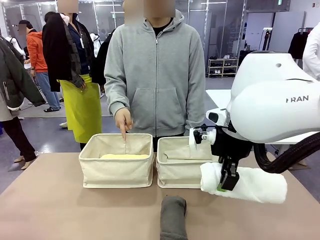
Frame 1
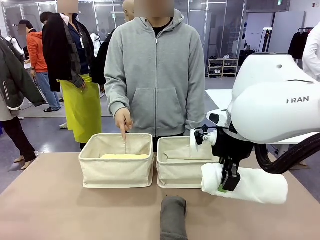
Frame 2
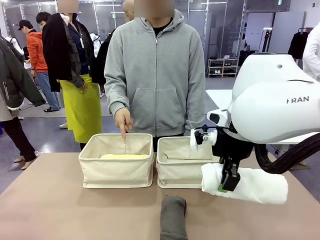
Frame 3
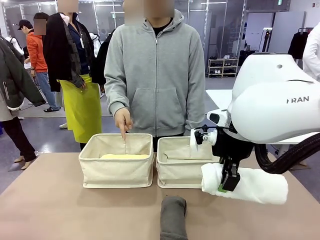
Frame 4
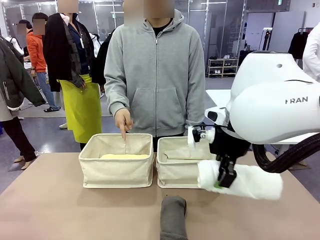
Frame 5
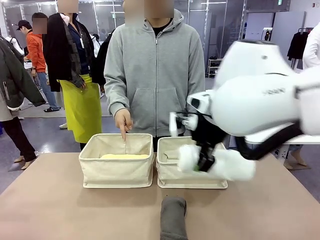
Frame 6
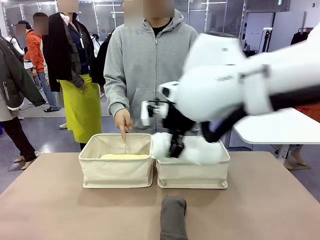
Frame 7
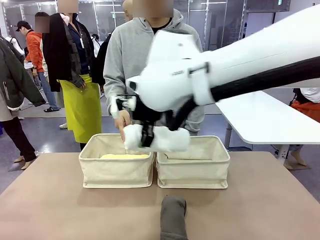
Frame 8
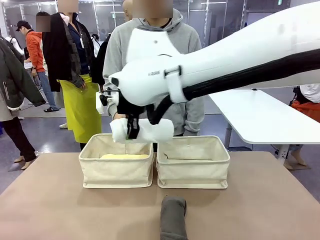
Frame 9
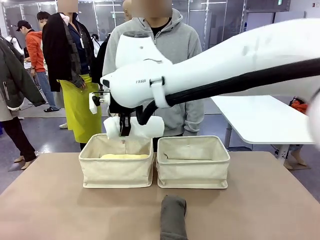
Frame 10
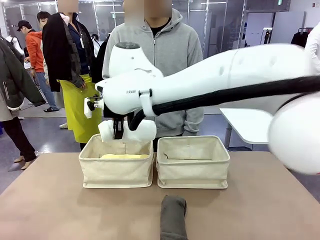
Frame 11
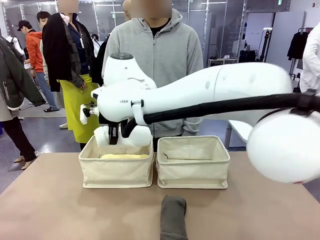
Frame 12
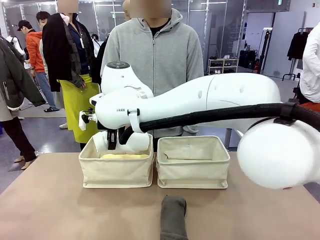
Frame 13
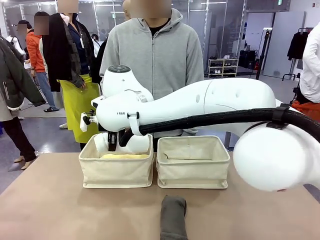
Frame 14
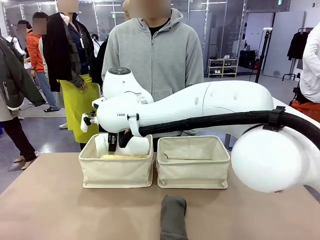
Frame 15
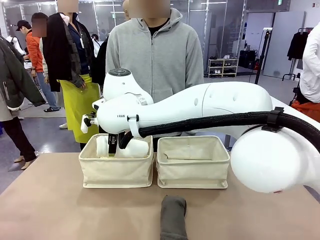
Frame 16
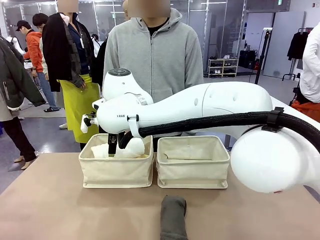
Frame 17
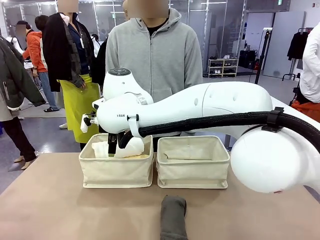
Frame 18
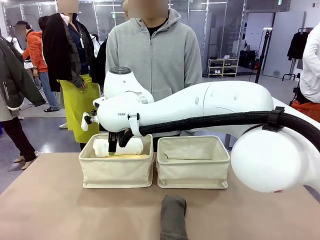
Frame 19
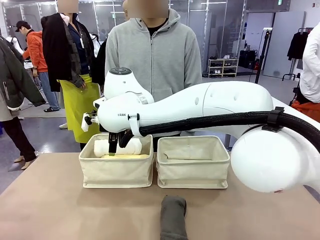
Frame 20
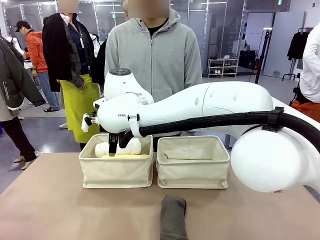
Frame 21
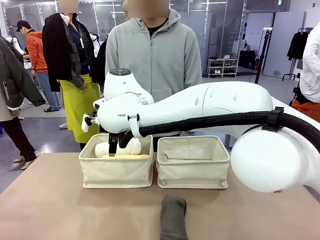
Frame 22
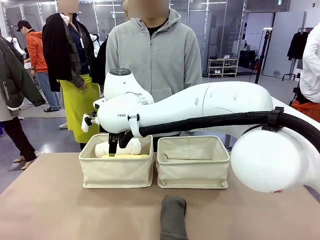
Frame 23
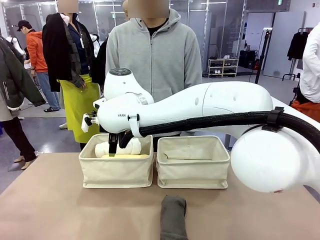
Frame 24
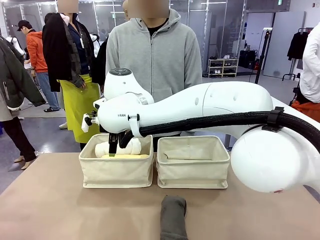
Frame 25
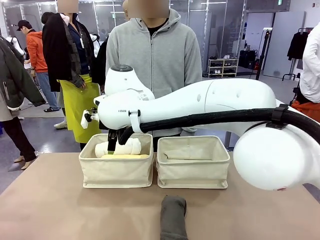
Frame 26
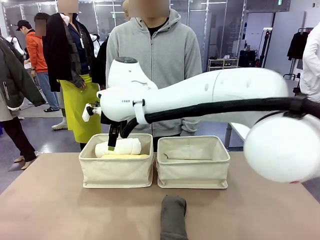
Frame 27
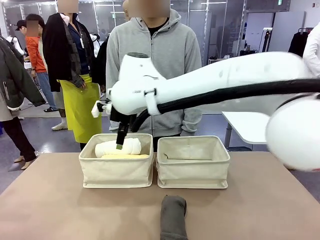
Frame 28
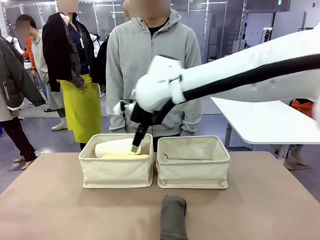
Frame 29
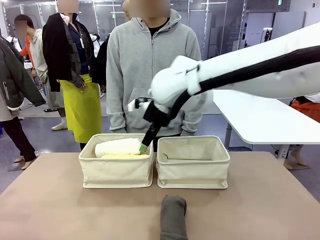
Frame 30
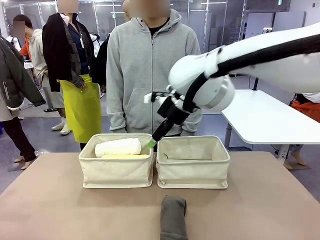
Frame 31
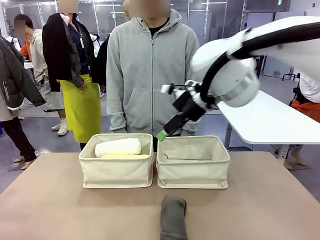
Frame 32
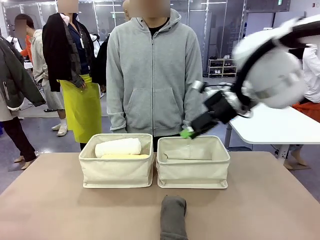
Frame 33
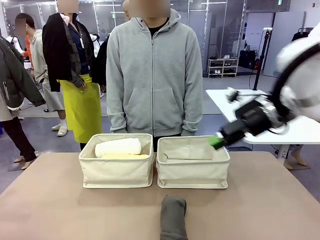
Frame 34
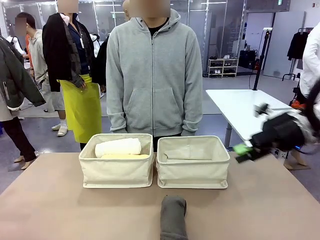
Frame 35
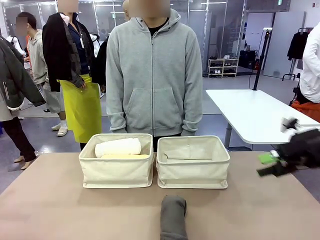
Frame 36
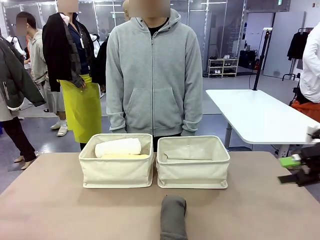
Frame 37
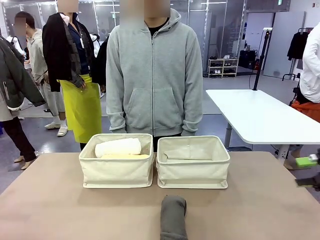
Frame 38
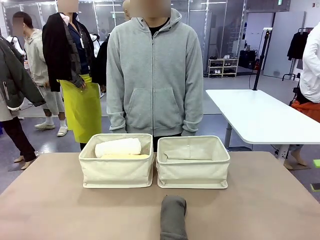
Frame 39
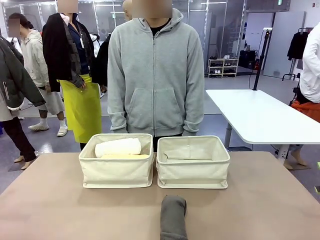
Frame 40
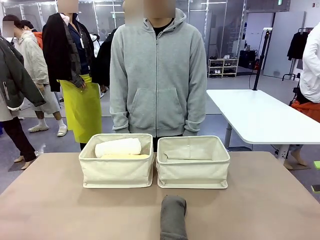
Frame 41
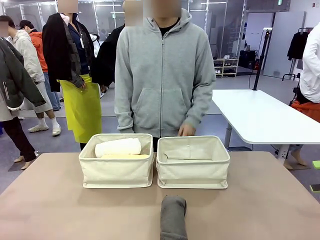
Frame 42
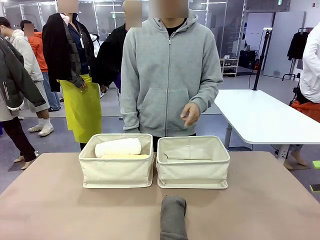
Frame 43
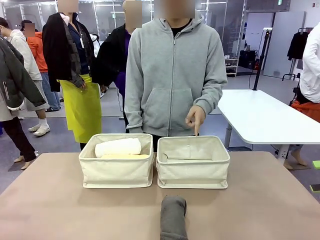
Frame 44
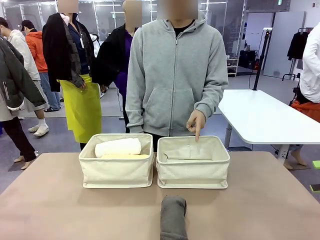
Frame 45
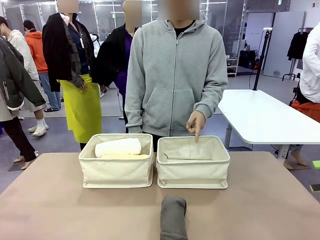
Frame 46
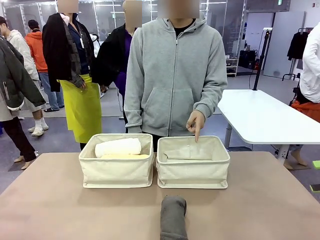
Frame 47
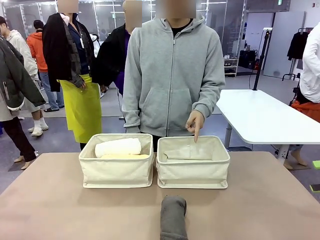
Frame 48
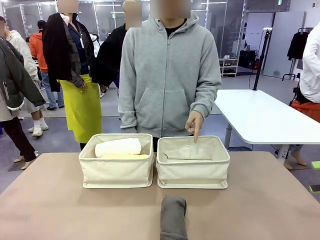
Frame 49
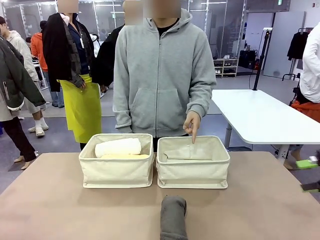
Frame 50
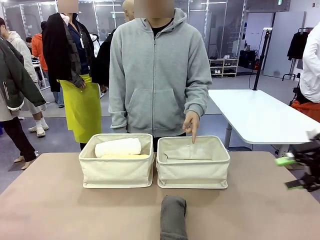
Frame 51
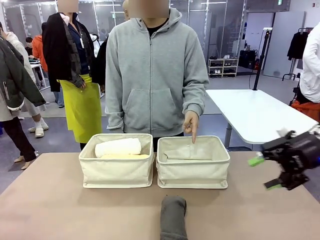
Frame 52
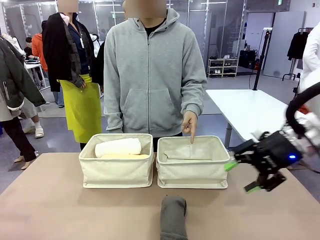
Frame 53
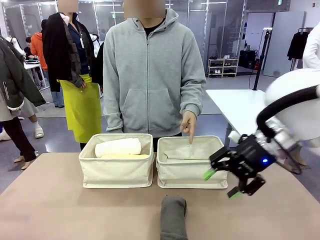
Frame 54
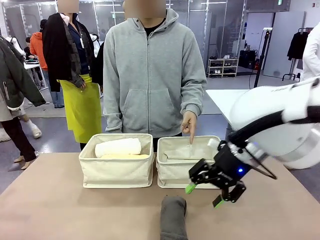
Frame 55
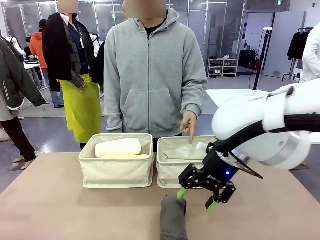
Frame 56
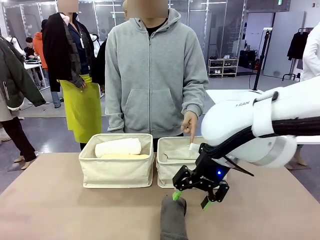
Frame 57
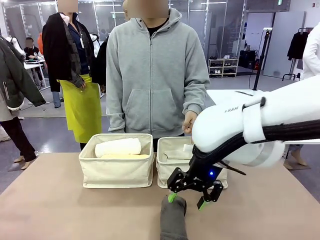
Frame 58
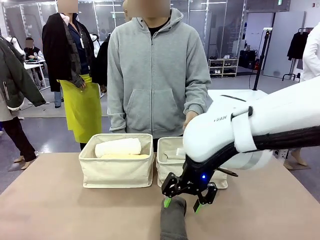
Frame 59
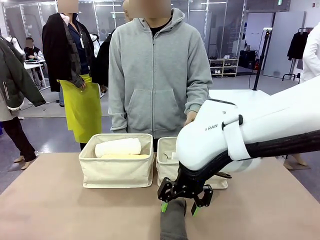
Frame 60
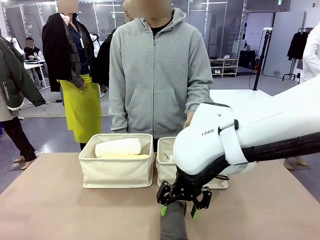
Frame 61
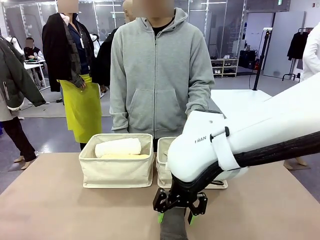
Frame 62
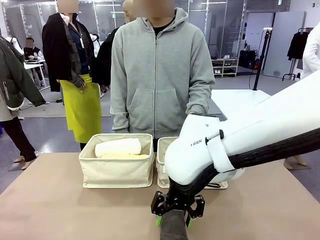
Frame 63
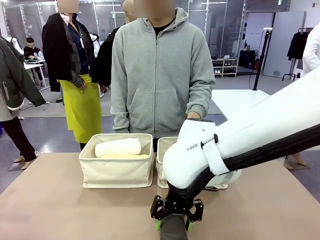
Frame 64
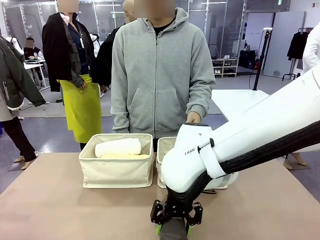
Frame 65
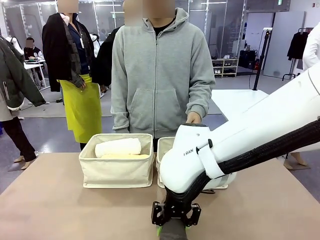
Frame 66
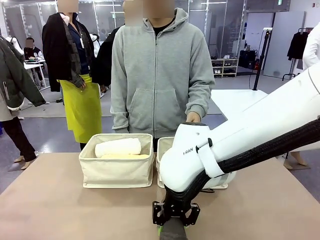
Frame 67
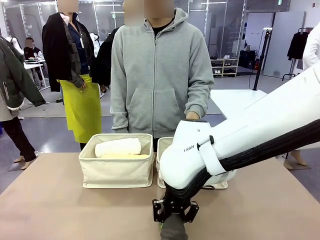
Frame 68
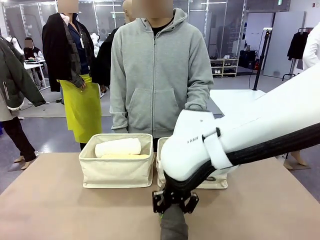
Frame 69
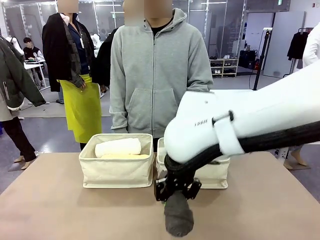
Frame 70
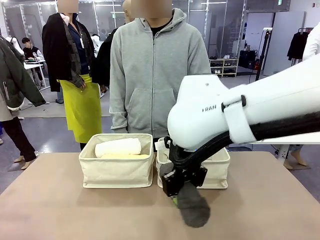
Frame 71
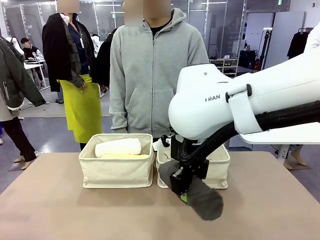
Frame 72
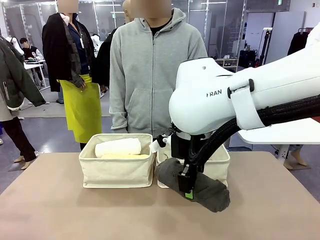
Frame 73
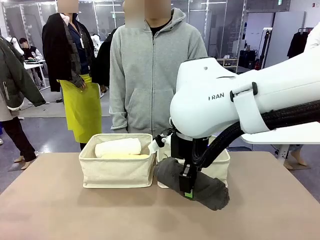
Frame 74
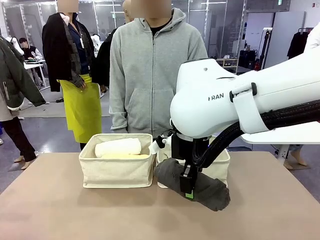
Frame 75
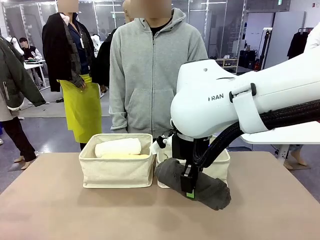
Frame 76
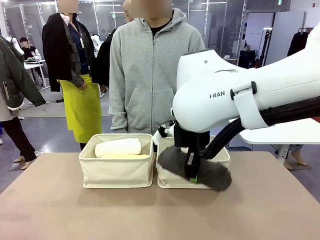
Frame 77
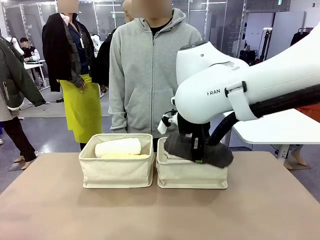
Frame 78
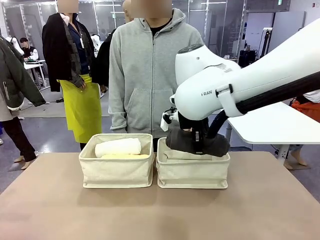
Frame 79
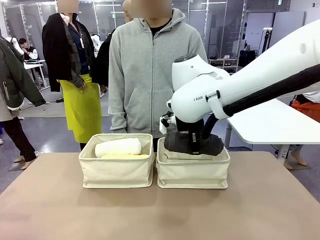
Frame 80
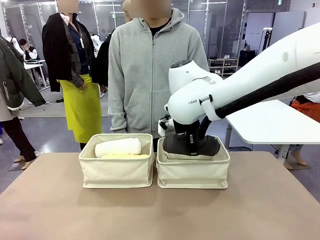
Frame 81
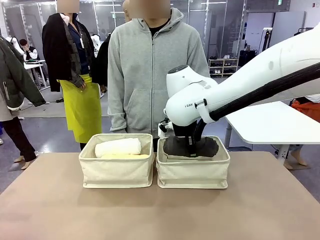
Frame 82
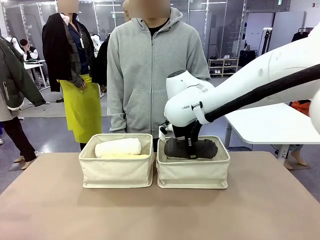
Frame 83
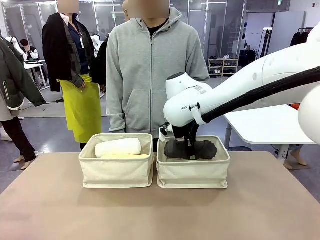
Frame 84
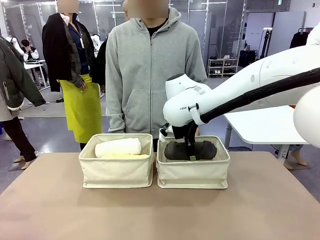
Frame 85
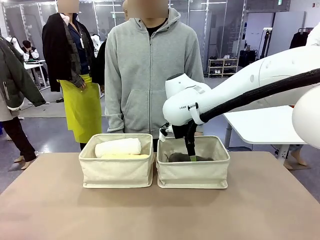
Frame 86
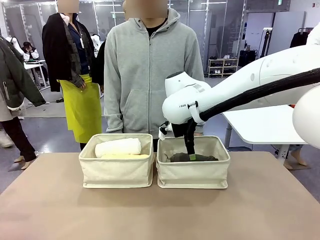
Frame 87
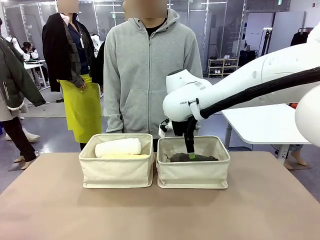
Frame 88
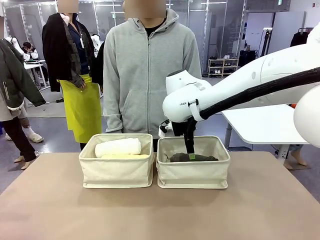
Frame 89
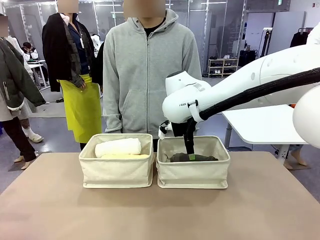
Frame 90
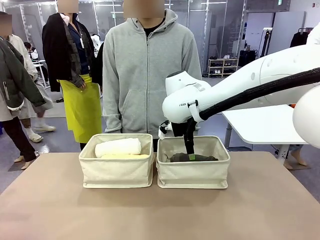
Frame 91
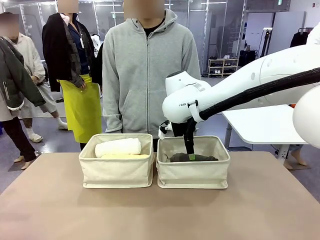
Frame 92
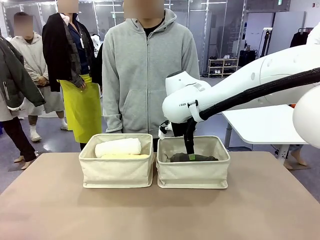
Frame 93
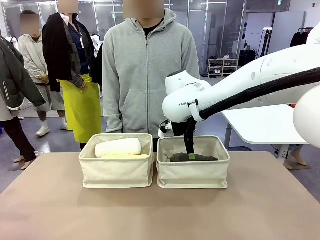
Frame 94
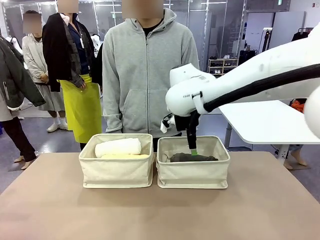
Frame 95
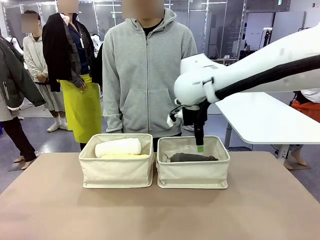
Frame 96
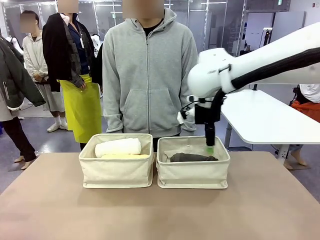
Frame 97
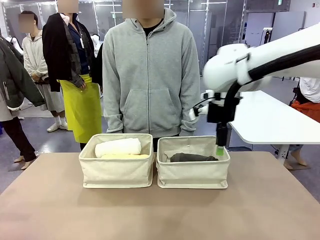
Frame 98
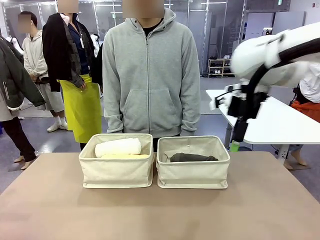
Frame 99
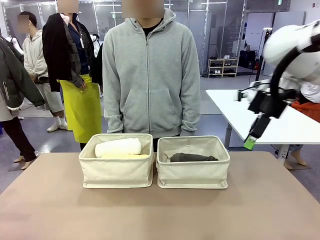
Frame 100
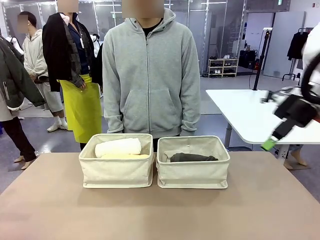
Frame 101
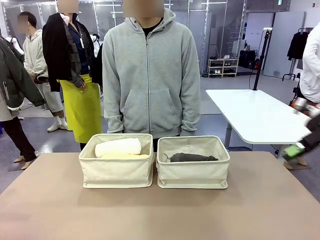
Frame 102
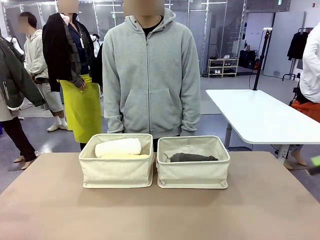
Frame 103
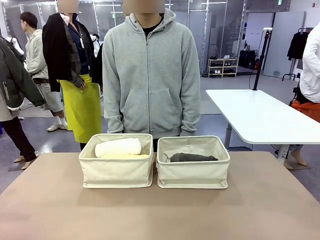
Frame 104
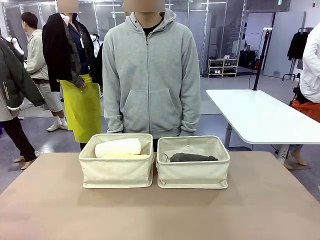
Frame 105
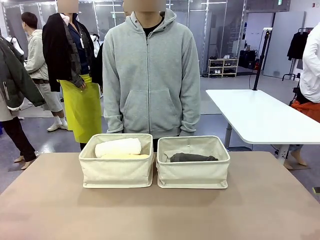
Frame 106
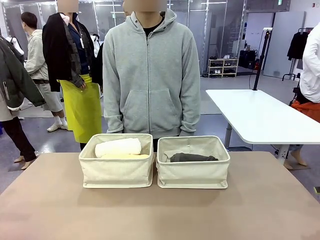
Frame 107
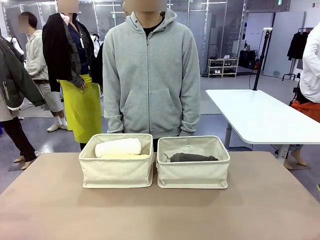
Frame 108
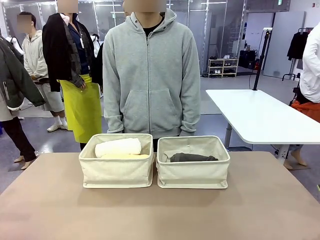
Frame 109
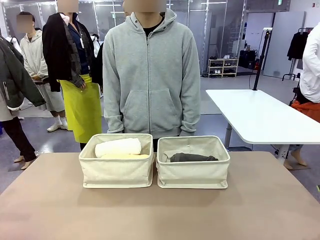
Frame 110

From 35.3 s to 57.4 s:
Task: Divide the towels into two baskets.
Robot: Pick up one hotel-folded towel from the bottom of the table and place it in the Fabric basket indicated by the person.
